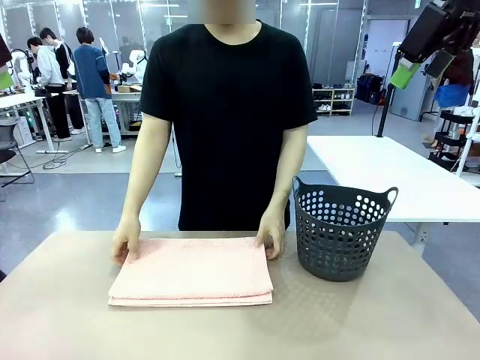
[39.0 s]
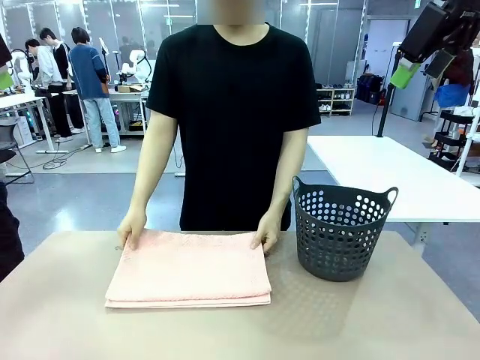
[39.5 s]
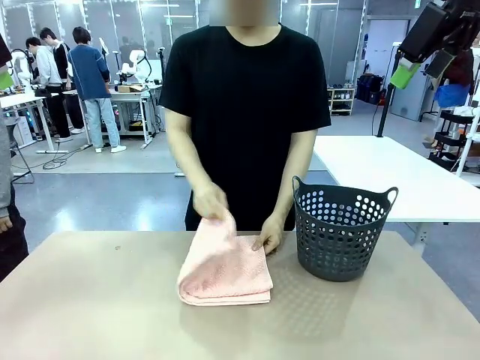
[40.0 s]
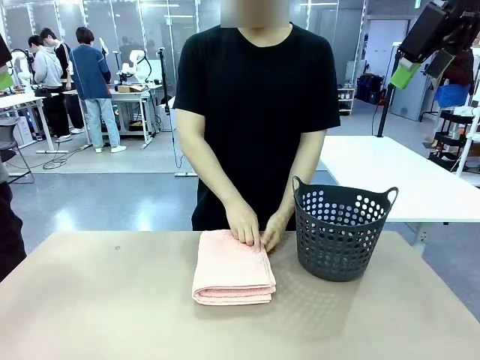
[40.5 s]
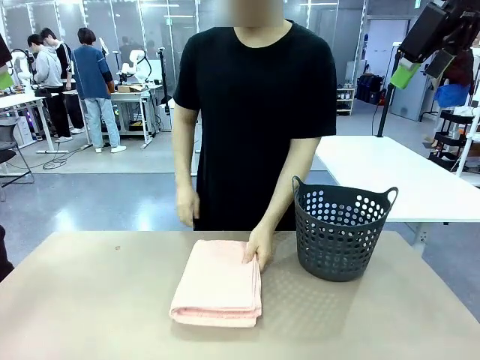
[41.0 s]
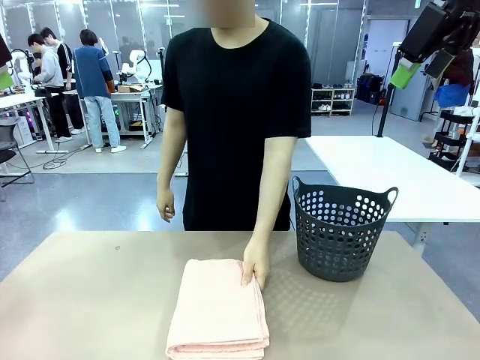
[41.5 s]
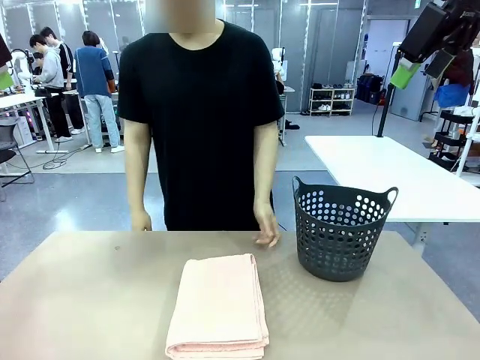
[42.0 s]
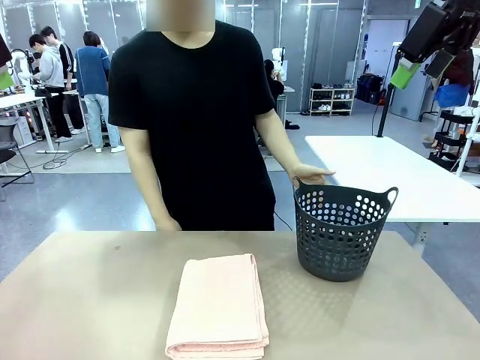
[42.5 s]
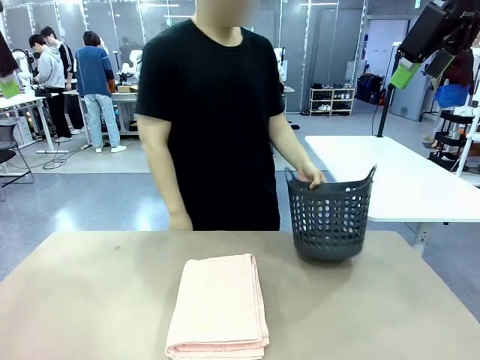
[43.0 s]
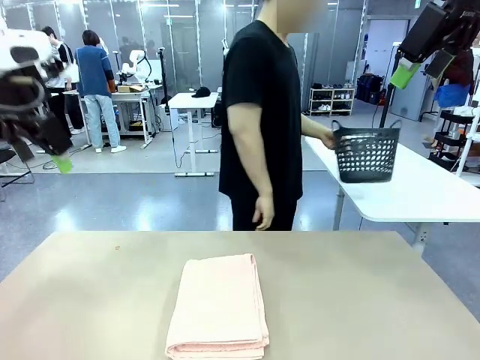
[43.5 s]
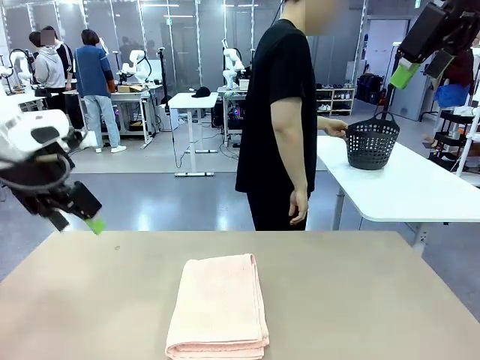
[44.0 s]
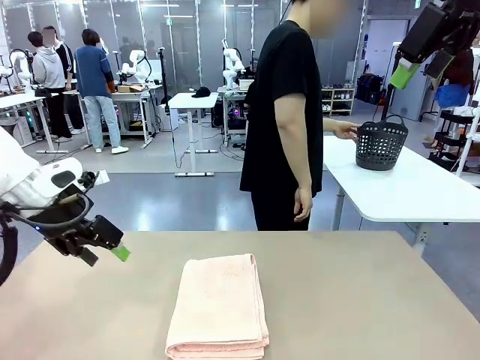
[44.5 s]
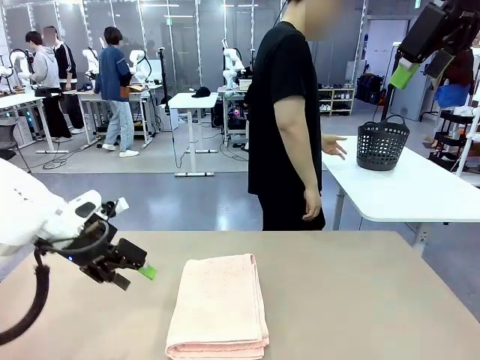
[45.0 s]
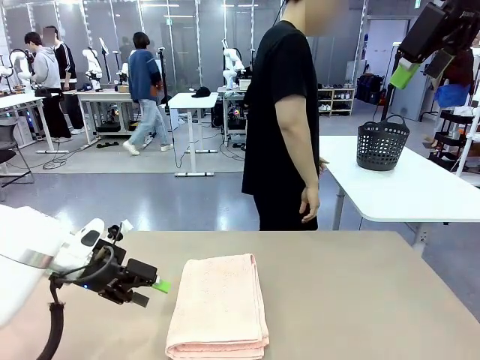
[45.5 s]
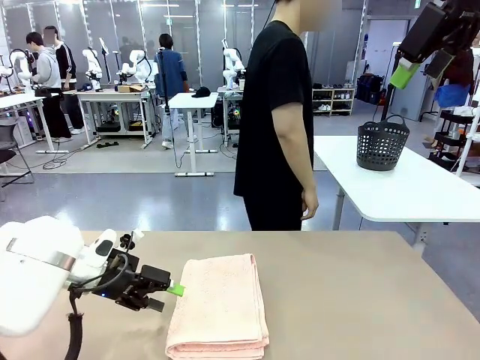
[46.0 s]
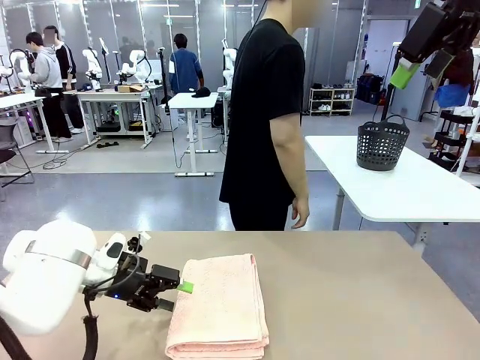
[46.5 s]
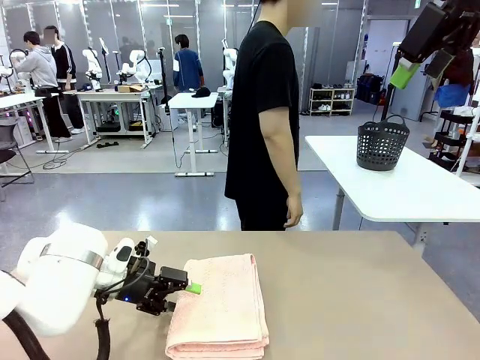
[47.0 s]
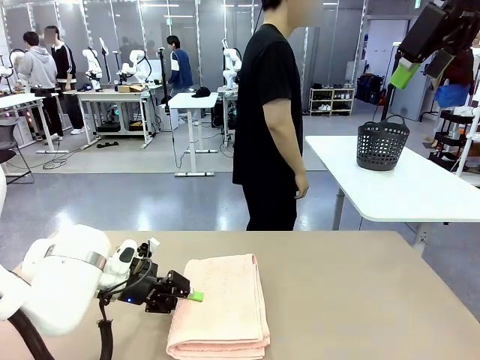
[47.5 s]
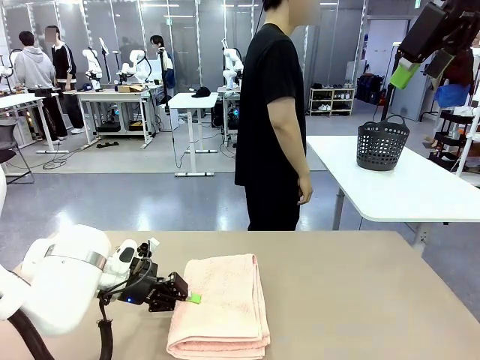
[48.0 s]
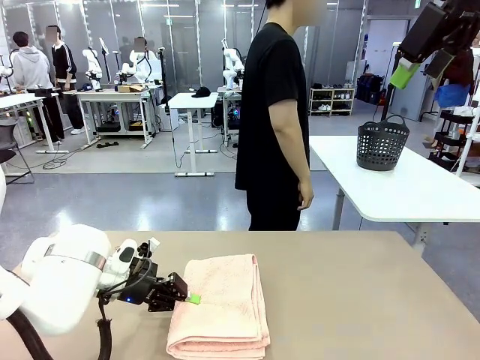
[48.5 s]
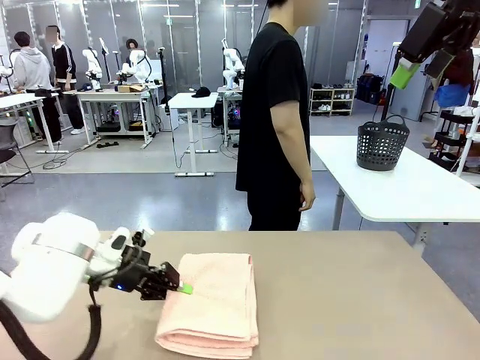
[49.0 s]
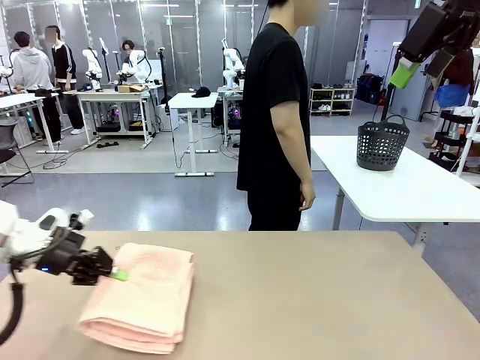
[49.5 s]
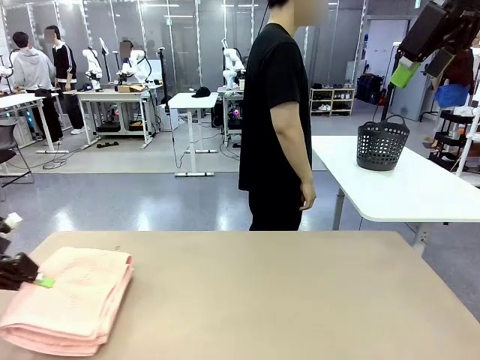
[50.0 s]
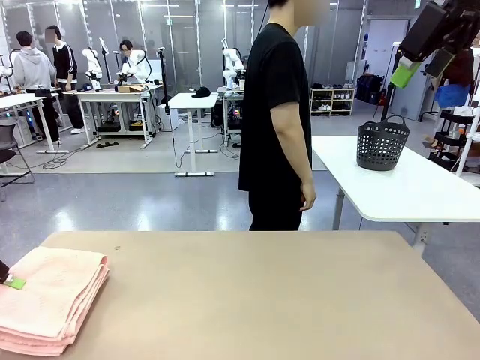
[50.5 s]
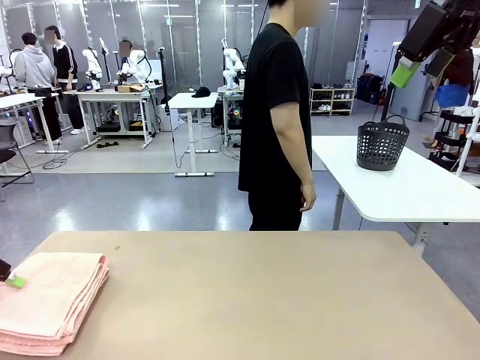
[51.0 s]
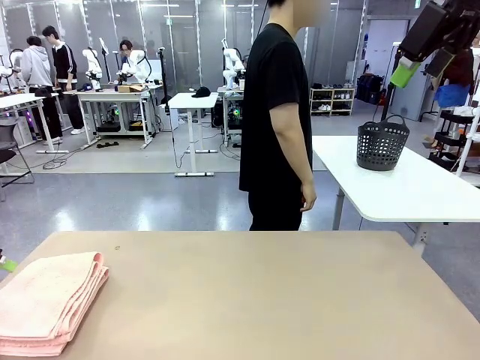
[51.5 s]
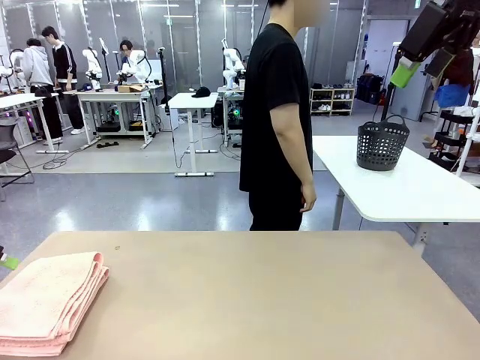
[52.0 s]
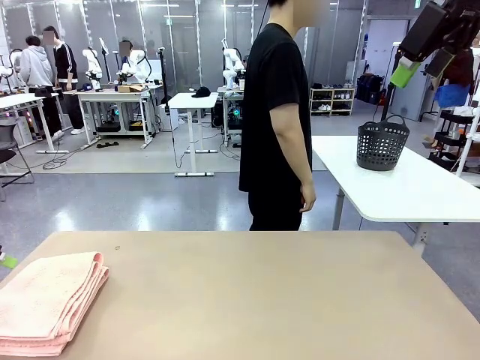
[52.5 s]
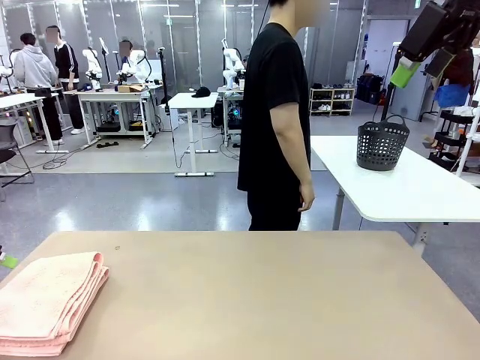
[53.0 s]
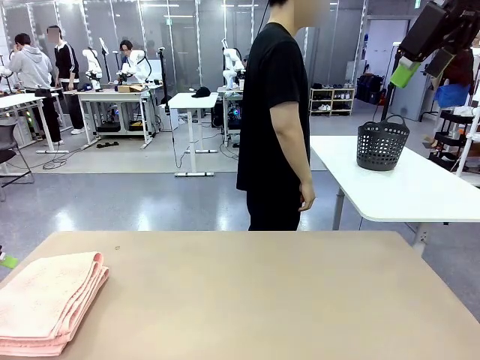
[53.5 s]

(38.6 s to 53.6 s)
Task: Fold the towel.
Robot: Pick up the 100 cm Hotel Towel and place it on the left side of the table.
Person: Pick up the laundry basket and place it at the center of the human table.

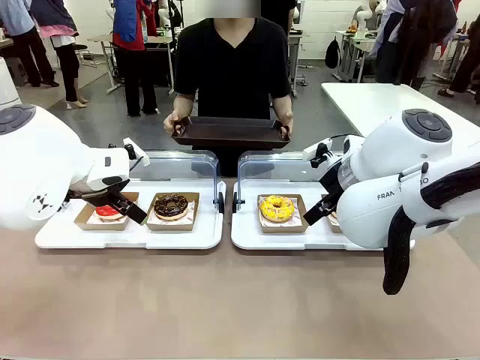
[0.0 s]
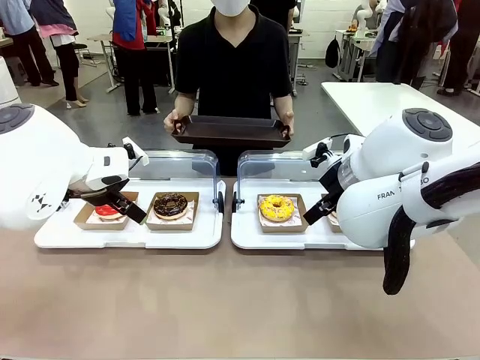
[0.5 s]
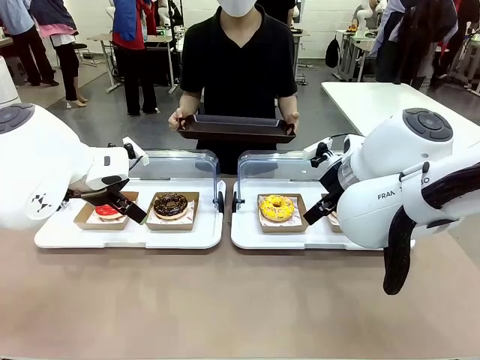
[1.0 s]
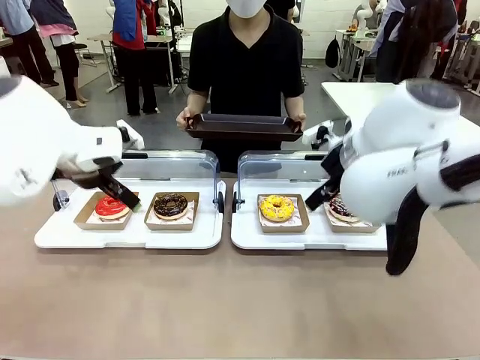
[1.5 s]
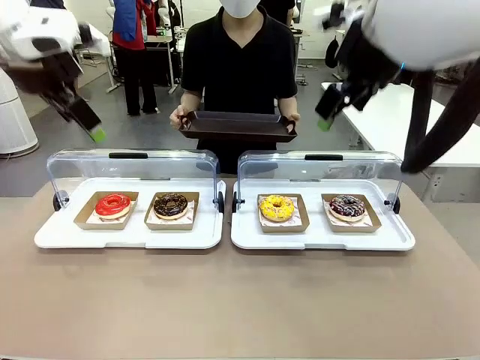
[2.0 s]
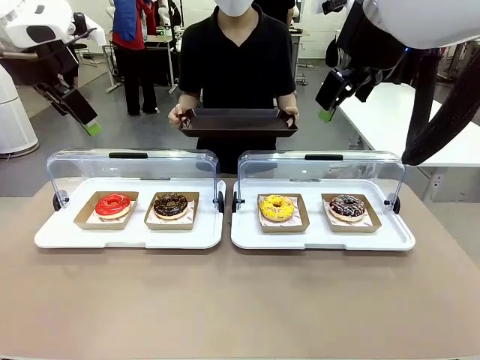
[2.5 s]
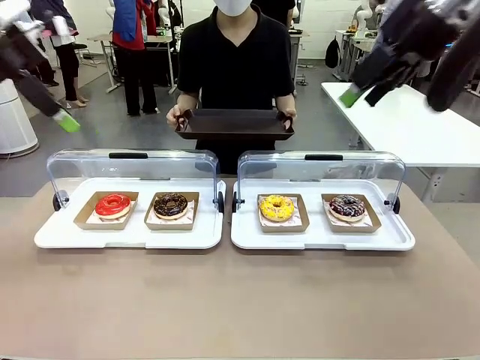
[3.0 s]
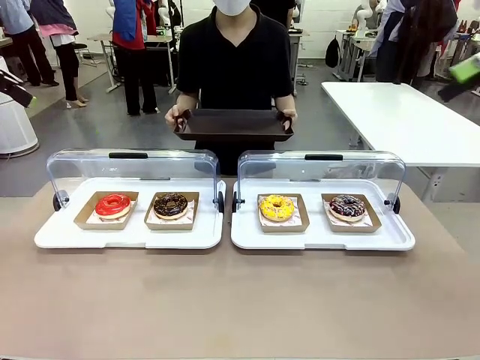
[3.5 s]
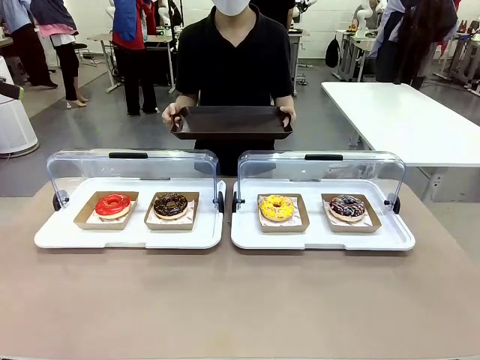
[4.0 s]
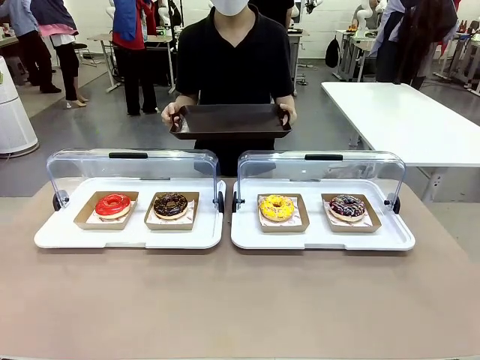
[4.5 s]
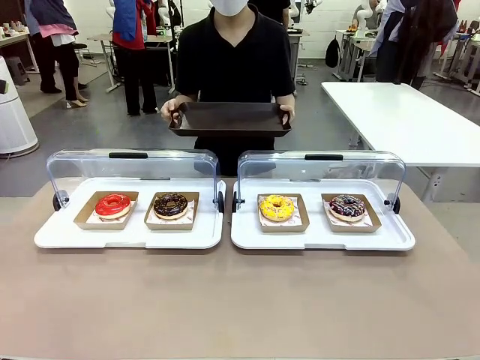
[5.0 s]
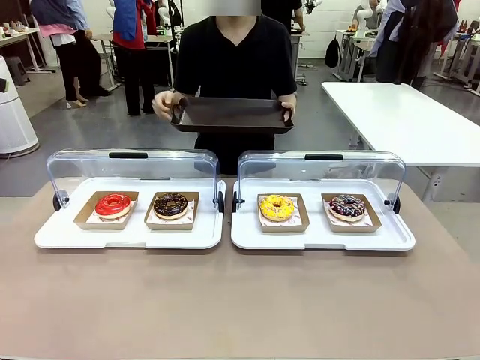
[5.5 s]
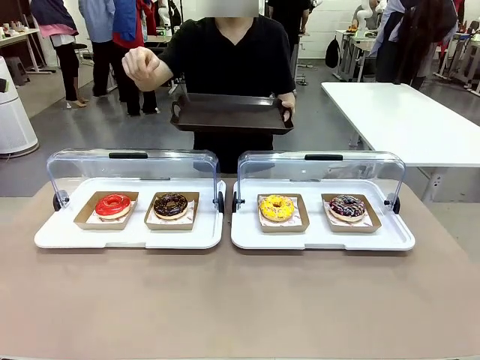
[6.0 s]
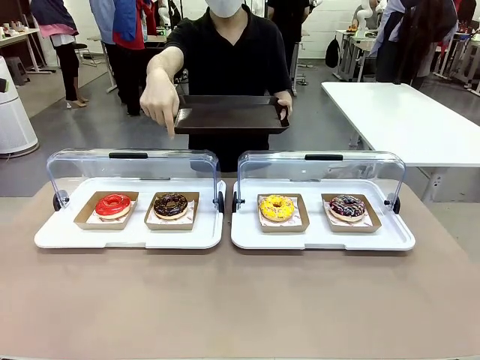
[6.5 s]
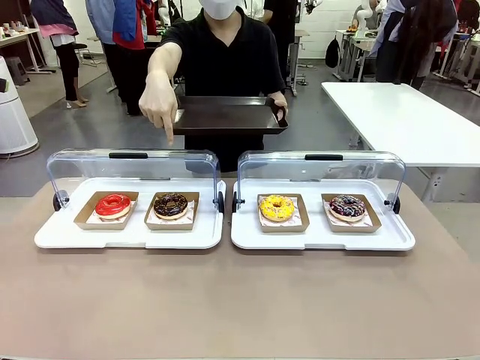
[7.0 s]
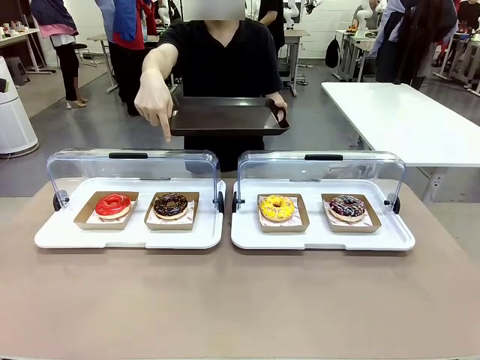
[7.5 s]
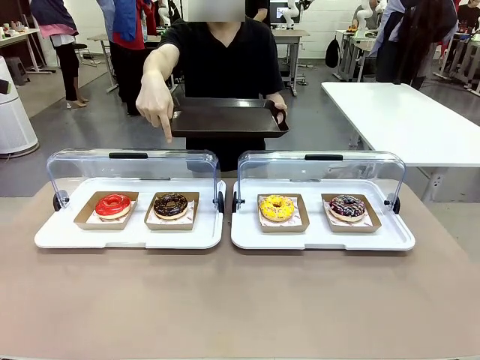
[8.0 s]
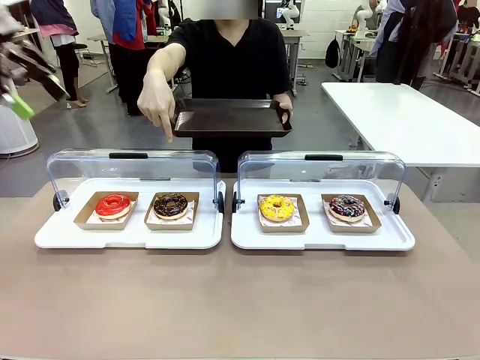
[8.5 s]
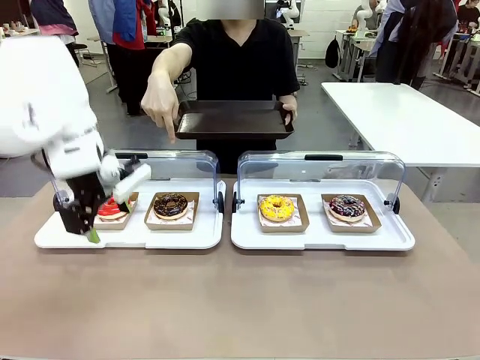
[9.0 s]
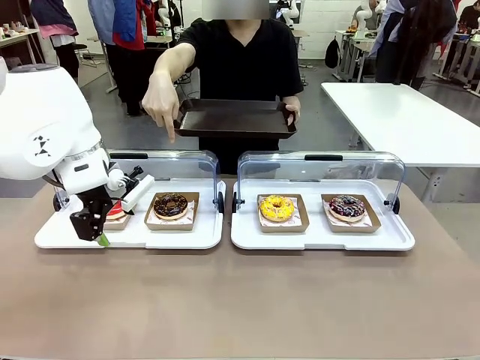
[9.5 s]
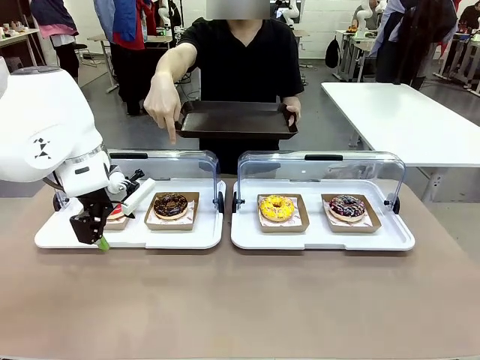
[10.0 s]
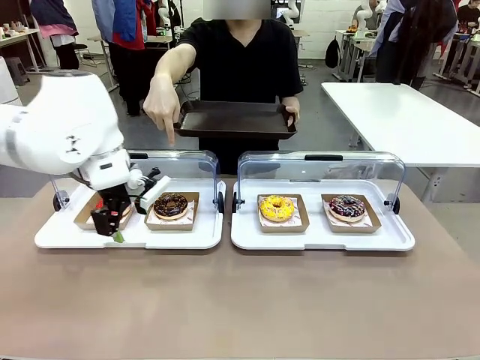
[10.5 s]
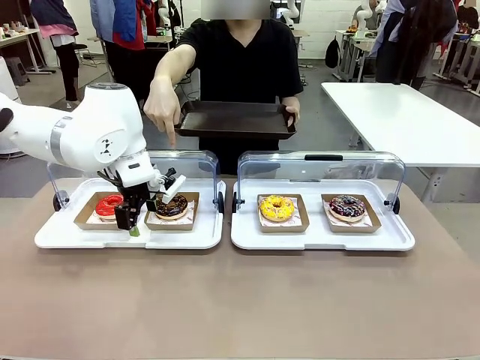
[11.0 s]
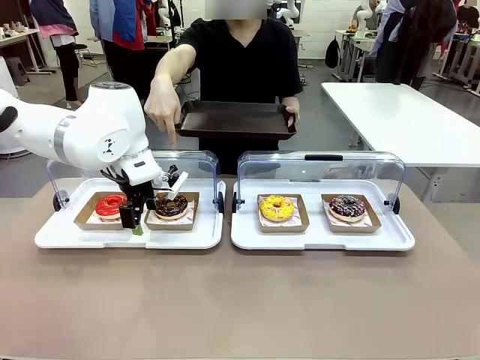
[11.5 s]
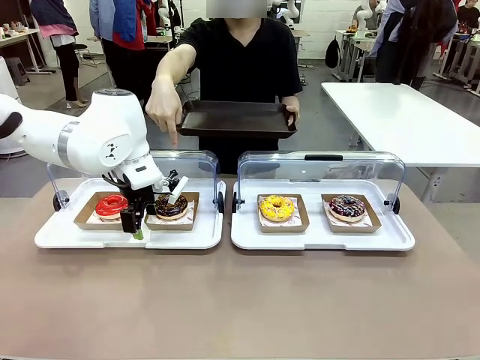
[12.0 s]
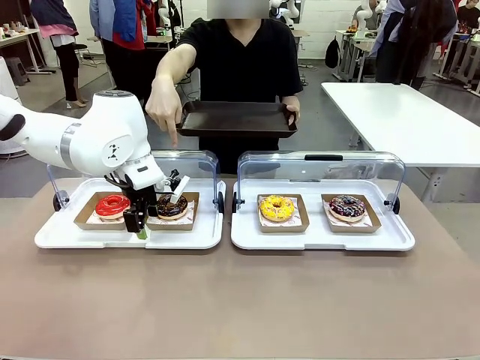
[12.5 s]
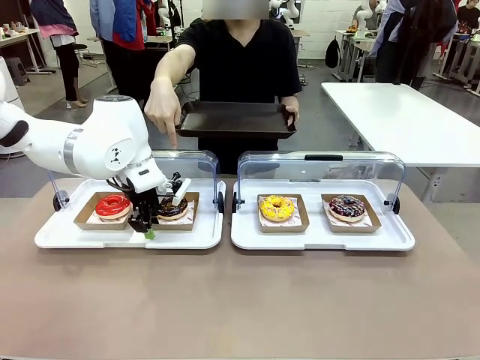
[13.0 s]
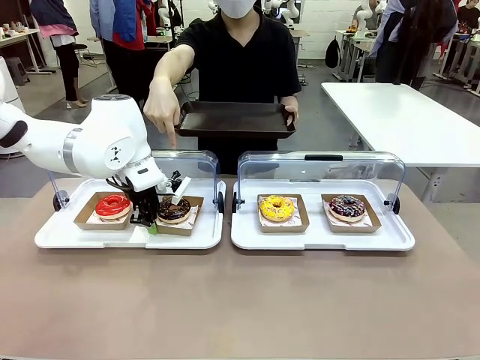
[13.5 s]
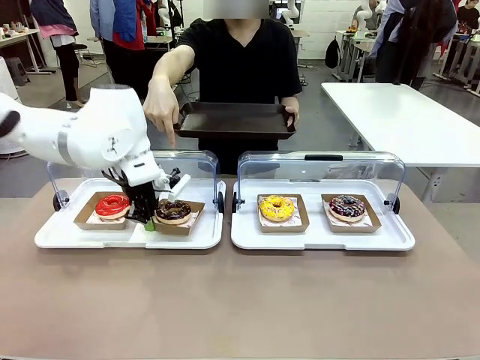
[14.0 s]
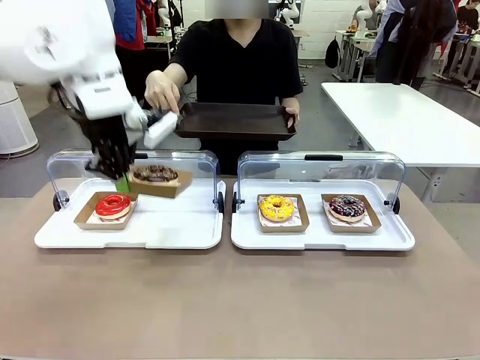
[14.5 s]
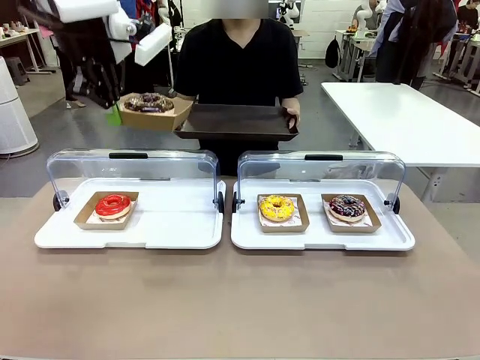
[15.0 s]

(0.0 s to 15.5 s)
Task: Provide the desired donut to the person.
Robot: Pick up and lift the Paper togo box containing the Donut pointed at by the person.
Person: Point to one donut. Lift the tray onto the Roll-Top Bakery Case.
